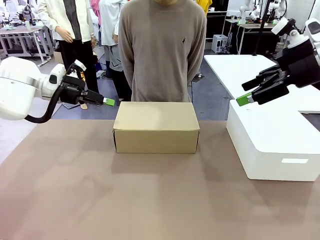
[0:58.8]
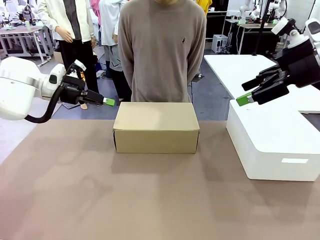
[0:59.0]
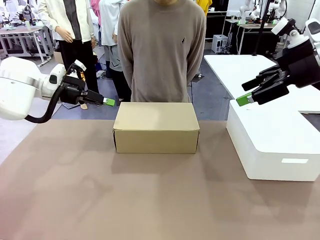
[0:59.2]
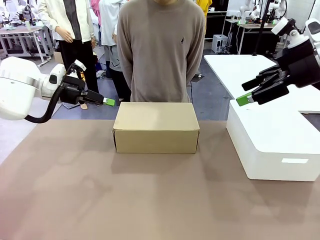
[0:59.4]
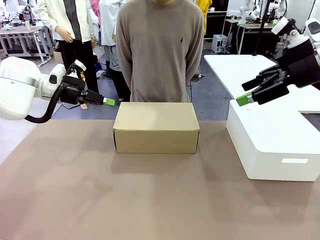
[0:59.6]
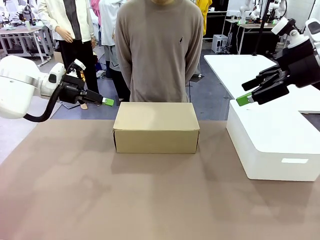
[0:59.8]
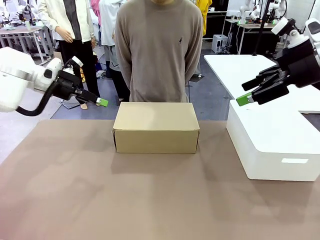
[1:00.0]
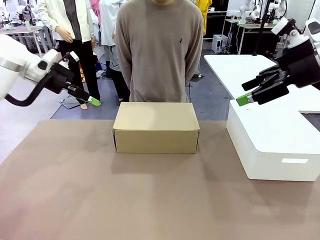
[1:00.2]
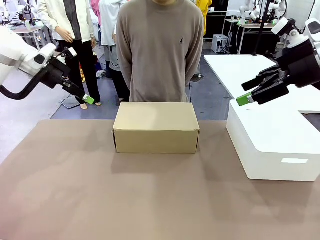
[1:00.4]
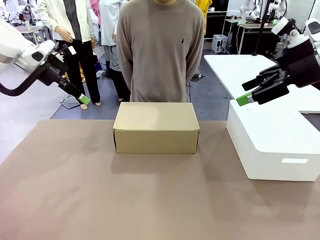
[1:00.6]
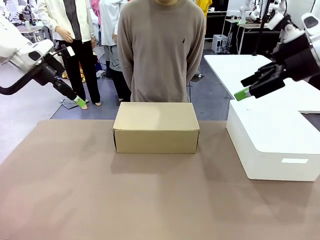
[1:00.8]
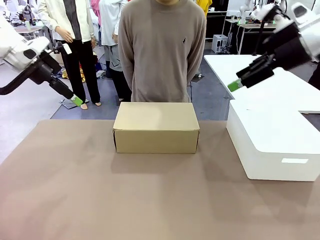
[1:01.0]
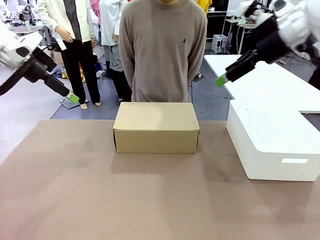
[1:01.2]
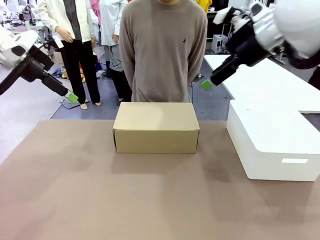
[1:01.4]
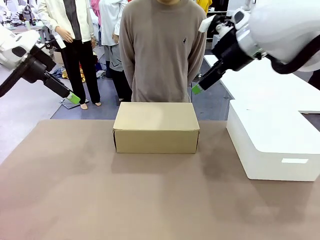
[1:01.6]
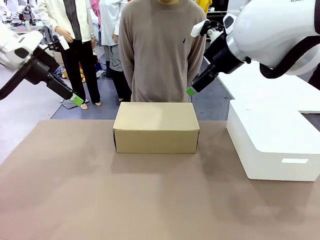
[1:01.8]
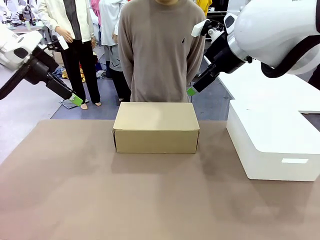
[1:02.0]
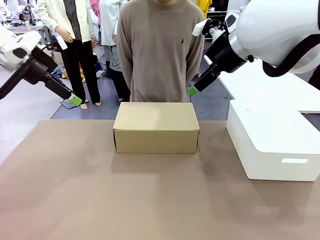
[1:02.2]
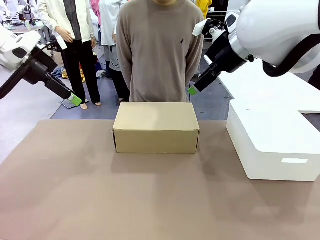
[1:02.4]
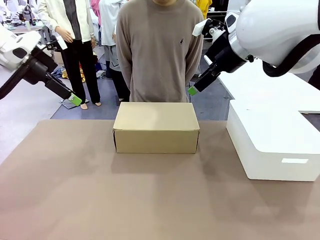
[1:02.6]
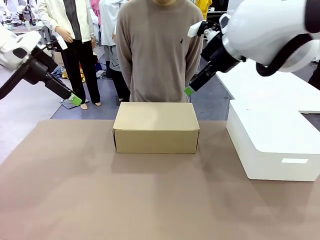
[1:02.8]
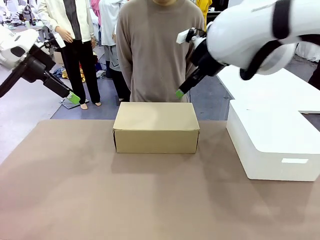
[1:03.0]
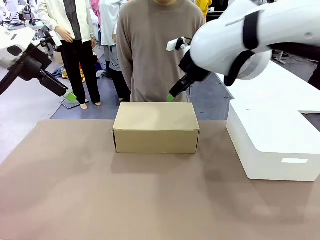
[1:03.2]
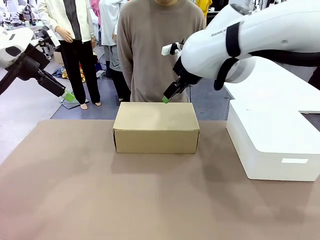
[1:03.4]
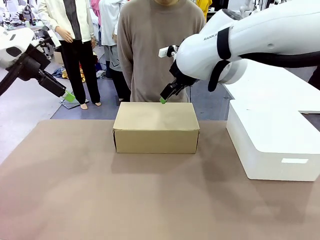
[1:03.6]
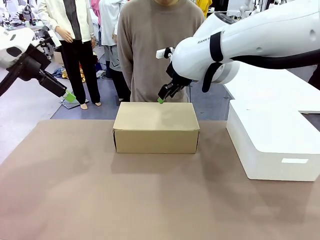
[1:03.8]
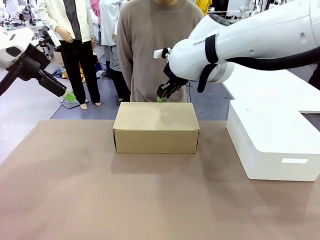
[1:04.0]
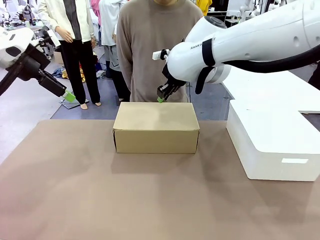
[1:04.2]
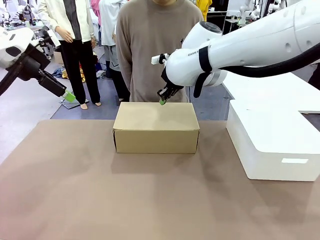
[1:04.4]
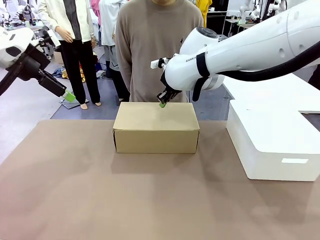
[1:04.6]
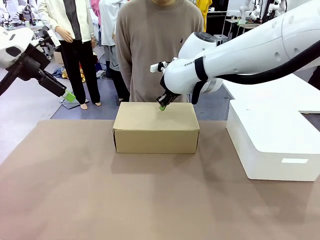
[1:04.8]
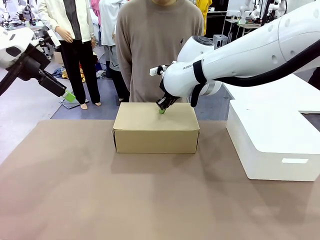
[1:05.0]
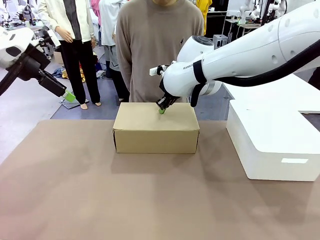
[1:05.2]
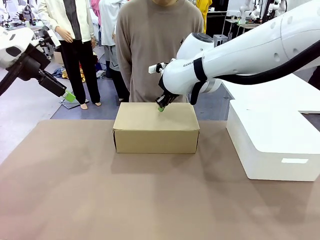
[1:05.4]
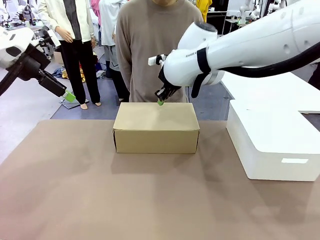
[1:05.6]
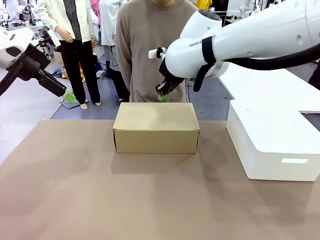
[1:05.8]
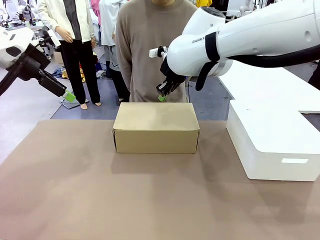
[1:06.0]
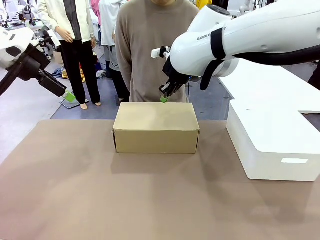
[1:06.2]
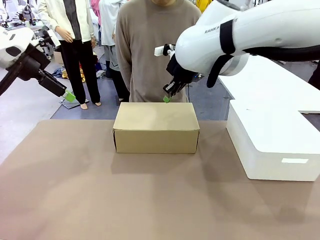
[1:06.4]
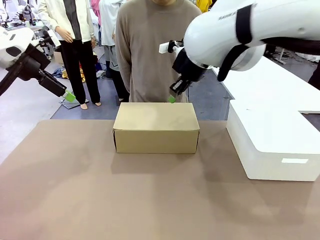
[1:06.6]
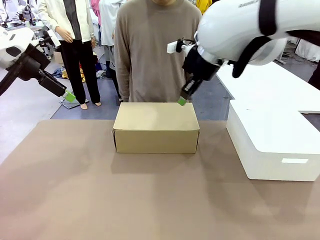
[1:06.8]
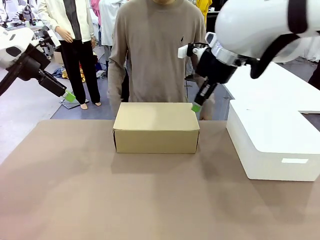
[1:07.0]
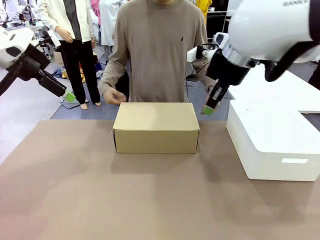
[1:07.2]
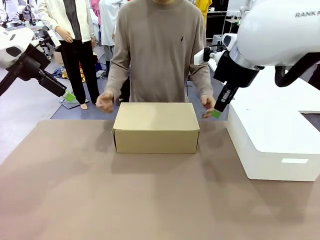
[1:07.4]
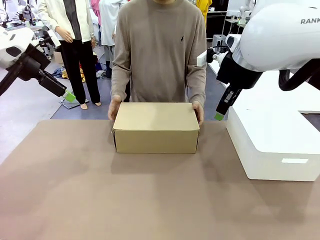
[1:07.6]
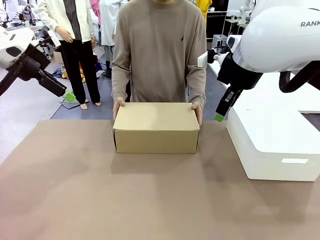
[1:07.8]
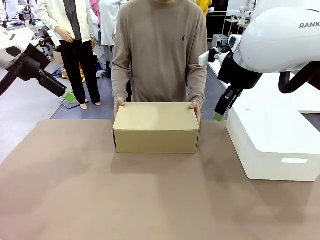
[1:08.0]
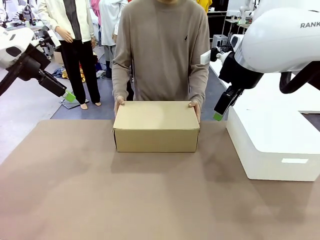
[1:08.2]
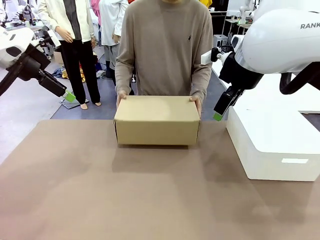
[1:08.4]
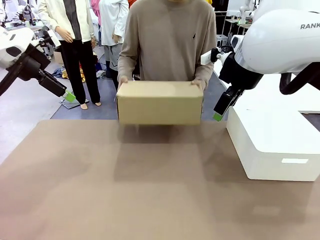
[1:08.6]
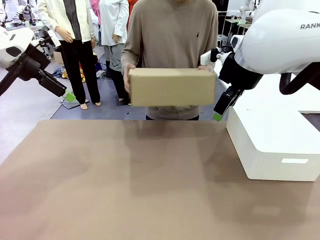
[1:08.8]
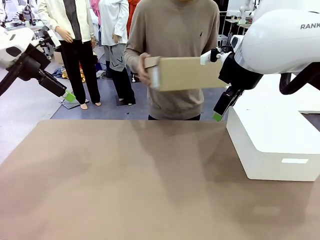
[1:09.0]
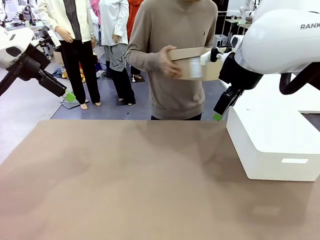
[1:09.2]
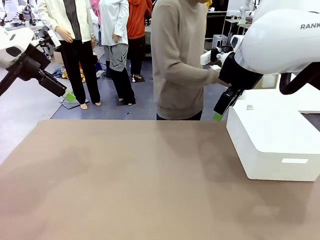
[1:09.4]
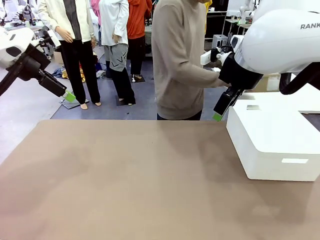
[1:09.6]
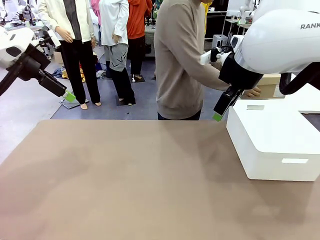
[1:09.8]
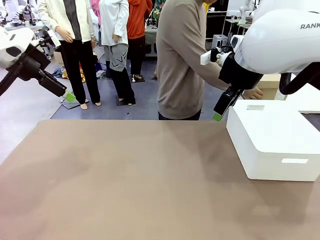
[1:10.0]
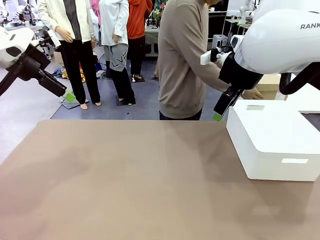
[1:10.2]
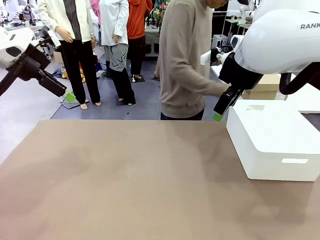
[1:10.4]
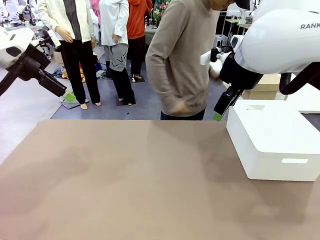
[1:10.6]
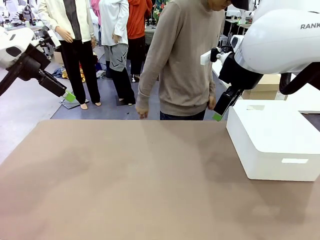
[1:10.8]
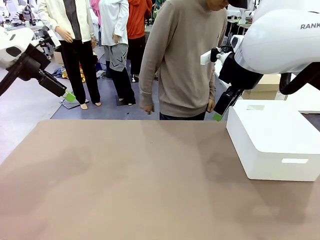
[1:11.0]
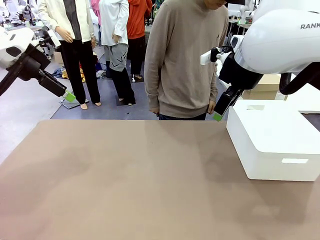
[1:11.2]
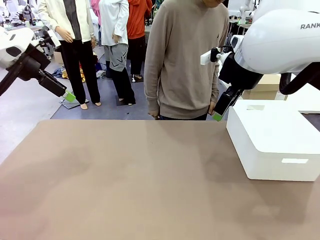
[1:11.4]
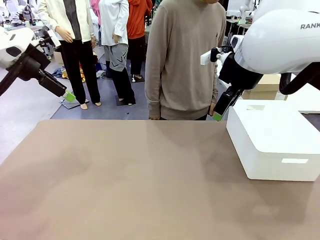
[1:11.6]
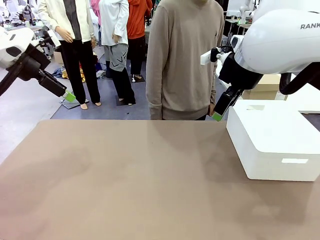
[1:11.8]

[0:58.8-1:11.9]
Task: Pack the shoes into the box.
Robot: Press down on the lid of the Shoes Box.
Person: Place the closed Shoes Box to the right side of the human table.

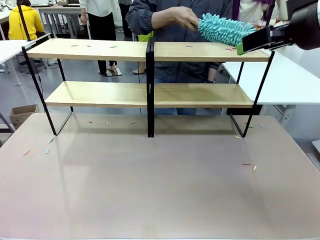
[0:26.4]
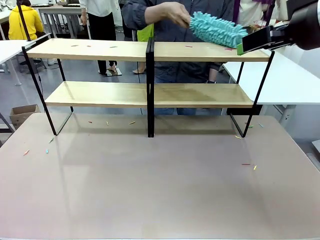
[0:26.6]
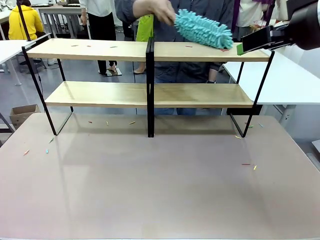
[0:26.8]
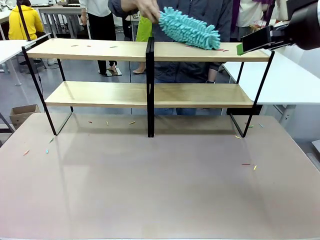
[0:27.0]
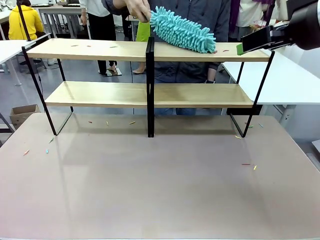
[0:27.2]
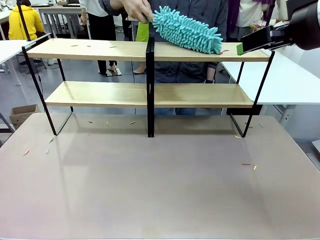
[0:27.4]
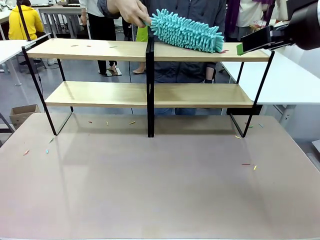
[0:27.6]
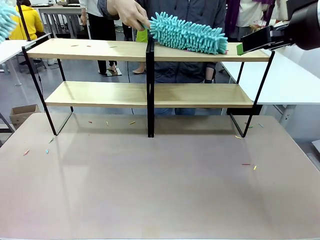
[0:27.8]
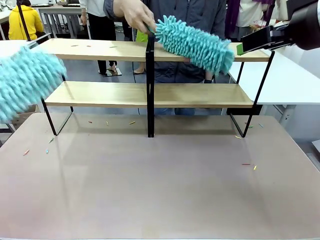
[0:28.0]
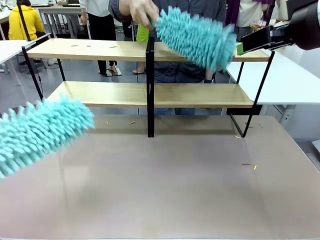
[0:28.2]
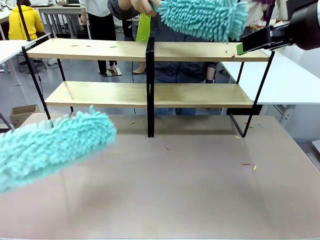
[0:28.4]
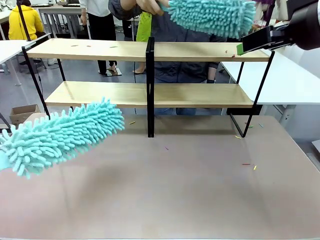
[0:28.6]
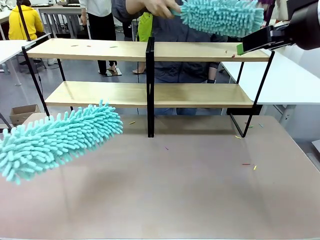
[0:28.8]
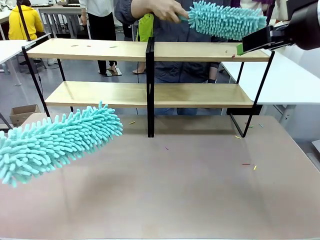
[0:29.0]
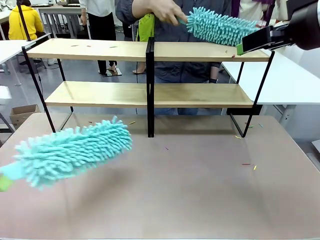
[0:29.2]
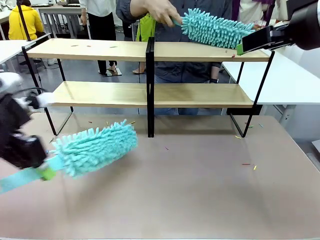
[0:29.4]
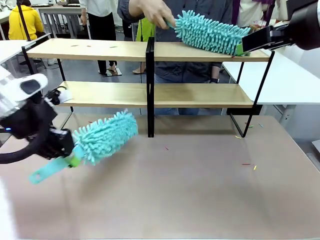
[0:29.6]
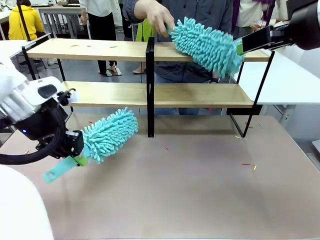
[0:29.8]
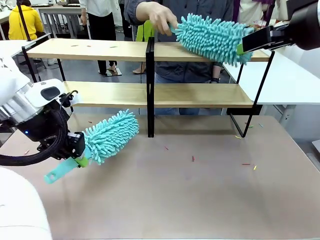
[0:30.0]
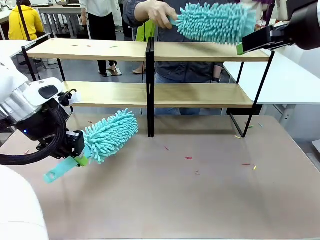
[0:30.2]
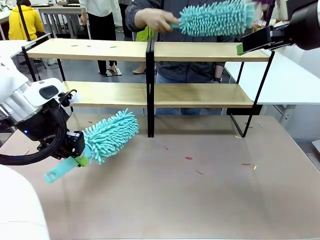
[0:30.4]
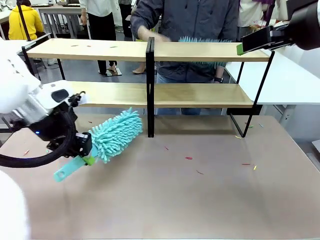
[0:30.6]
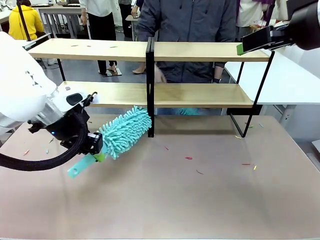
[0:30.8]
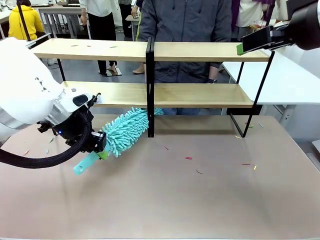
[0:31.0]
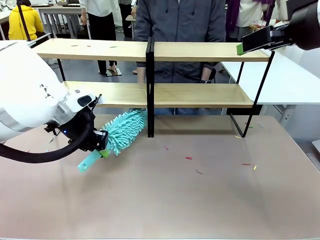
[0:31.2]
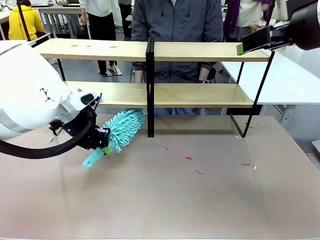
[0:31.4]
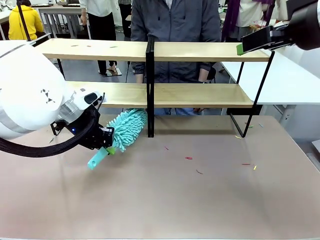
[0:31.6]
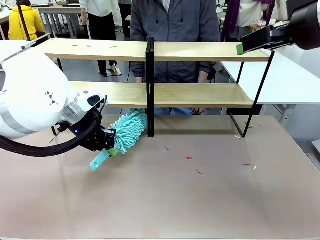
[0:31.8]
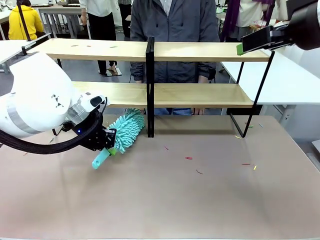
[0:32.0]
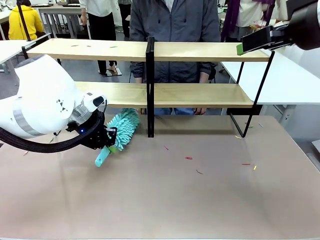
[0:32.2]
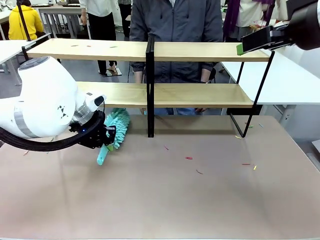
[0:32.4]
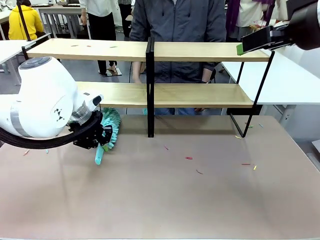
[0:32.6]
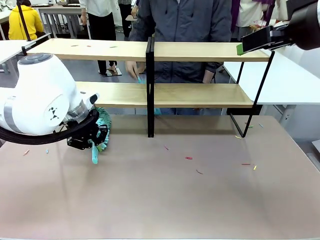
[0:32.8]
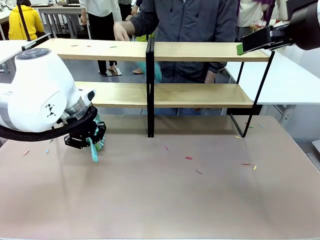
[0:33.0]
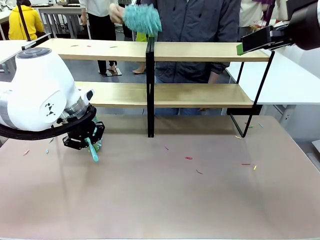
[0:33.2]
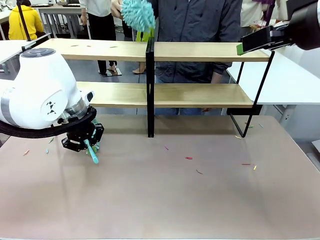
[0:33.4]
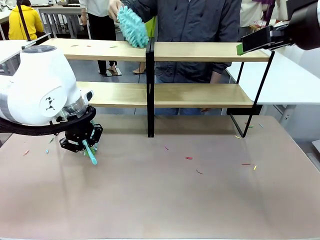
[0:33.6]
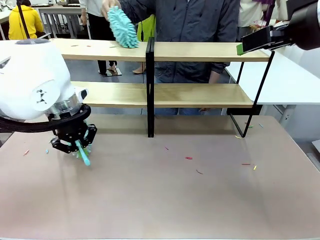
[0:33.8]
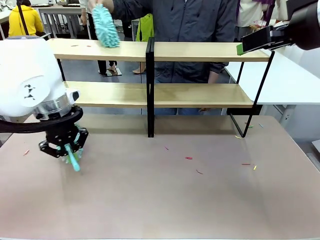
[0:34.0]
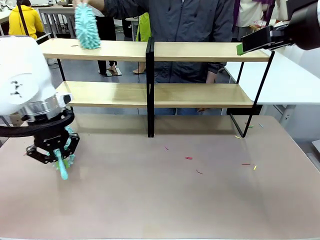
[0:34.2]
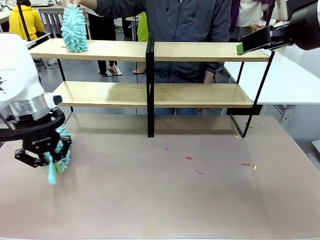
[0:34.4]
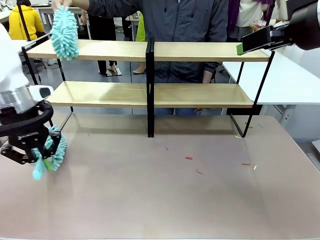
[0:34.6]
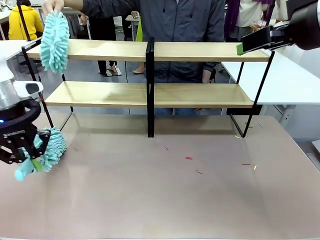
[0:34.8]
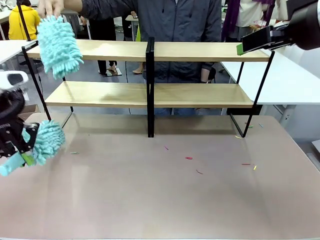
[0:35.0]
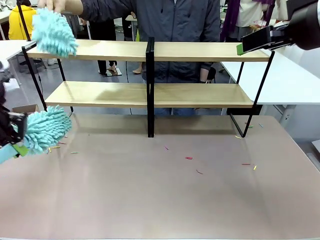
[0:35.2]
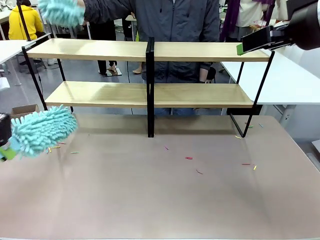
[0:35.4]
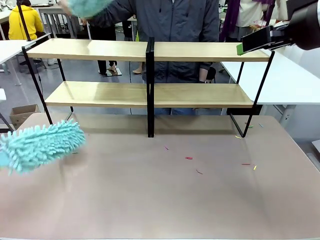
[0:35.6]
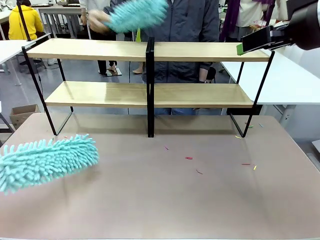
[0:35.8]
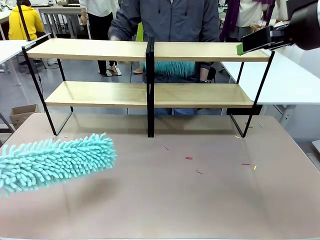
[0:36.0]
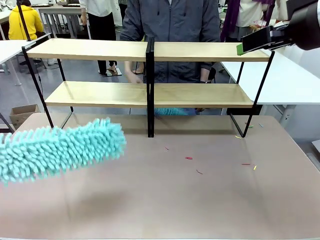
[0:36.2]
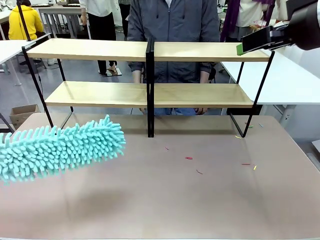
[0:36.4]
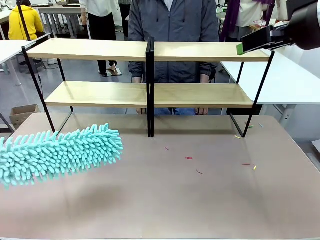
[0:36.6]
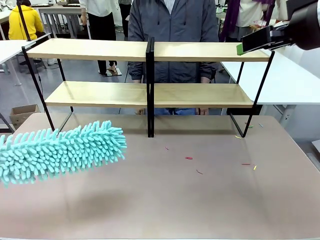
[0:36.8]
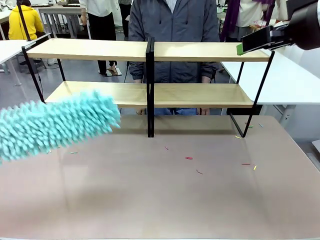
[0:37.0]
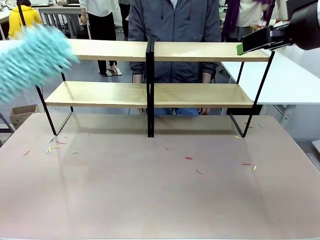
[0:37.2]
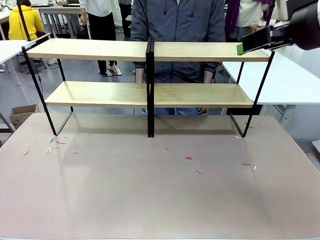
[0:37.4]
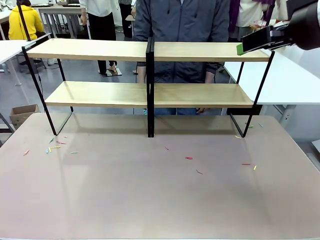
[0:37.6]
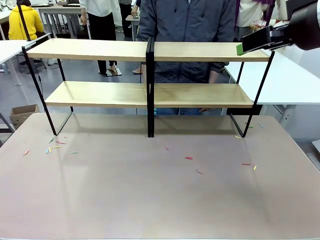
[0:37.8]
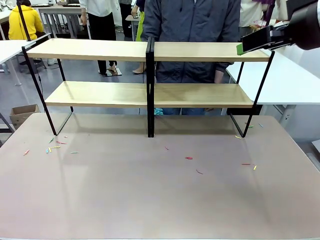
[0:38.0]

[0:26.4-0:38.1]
Task: Clean the shelves.
Robot: Clean another randomly selected level of the Shelf with the Duster.
